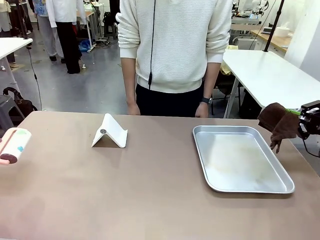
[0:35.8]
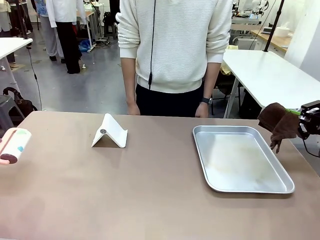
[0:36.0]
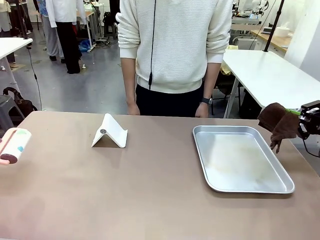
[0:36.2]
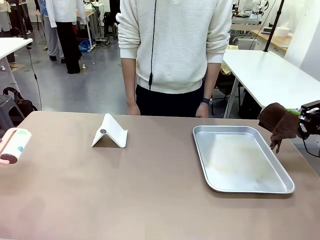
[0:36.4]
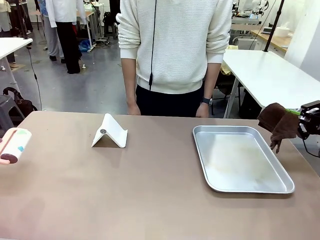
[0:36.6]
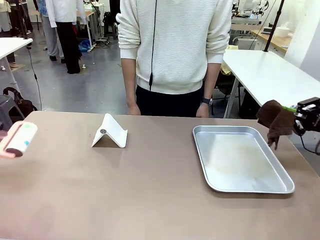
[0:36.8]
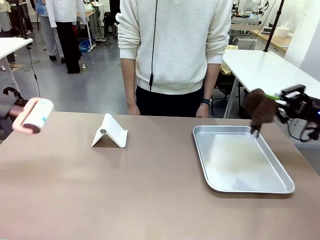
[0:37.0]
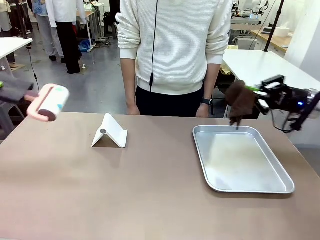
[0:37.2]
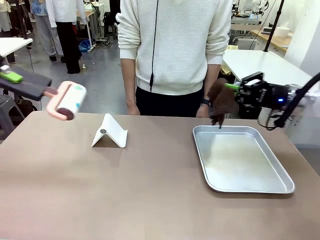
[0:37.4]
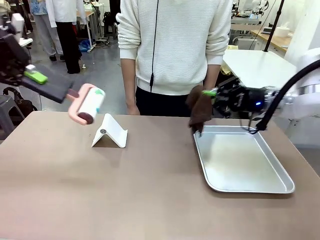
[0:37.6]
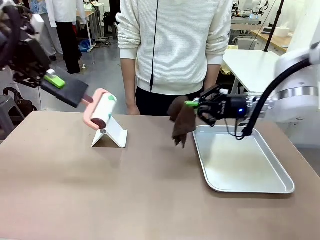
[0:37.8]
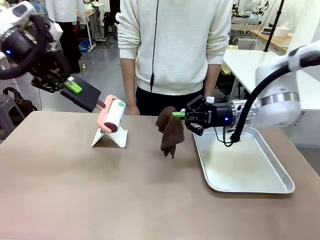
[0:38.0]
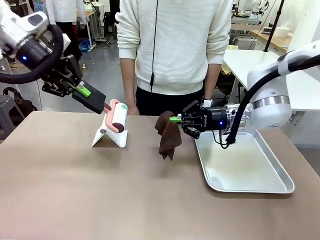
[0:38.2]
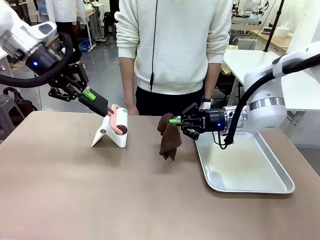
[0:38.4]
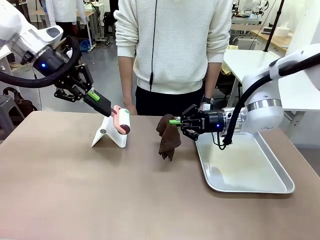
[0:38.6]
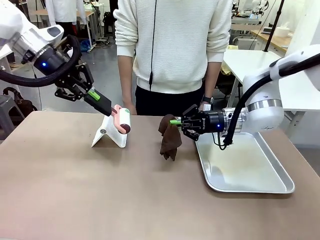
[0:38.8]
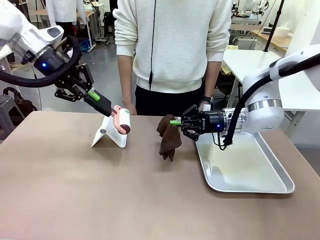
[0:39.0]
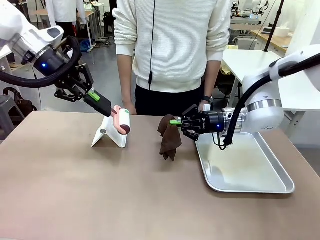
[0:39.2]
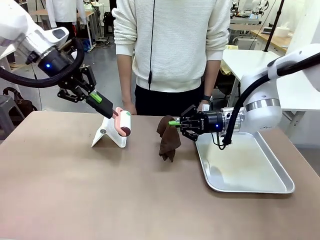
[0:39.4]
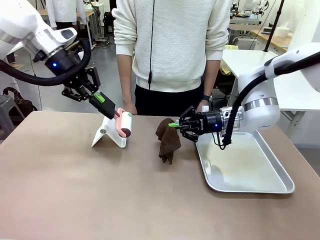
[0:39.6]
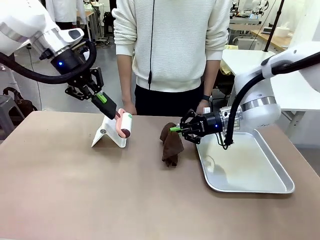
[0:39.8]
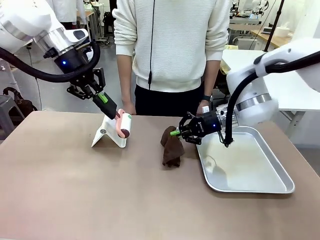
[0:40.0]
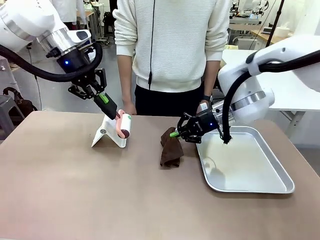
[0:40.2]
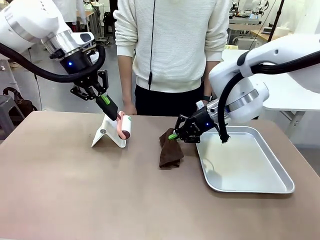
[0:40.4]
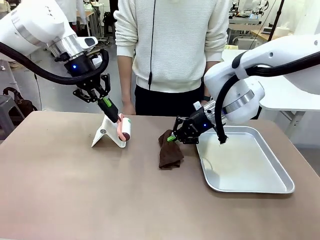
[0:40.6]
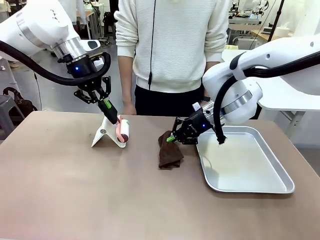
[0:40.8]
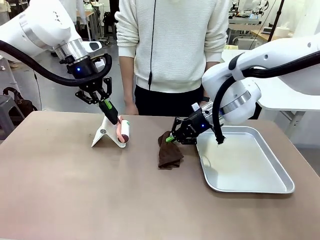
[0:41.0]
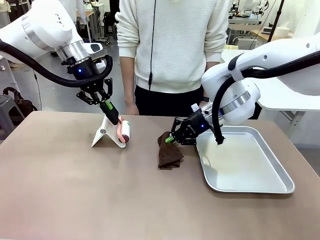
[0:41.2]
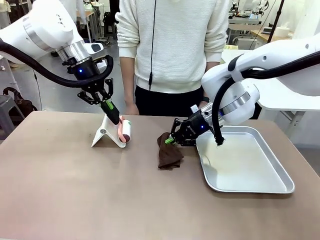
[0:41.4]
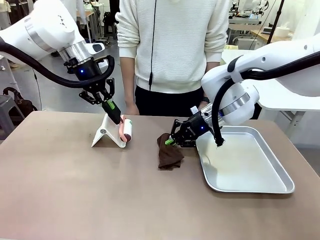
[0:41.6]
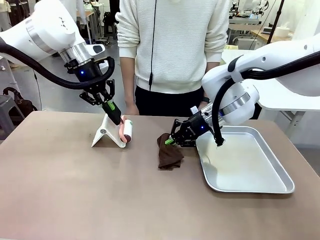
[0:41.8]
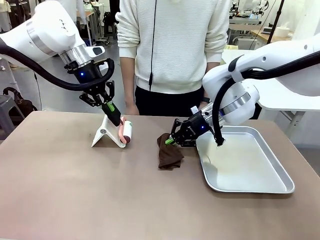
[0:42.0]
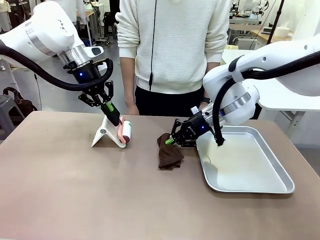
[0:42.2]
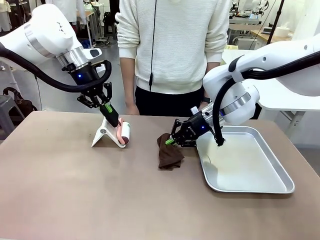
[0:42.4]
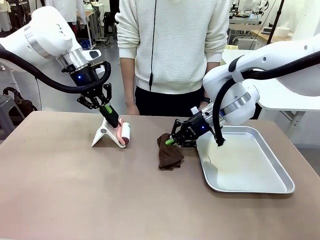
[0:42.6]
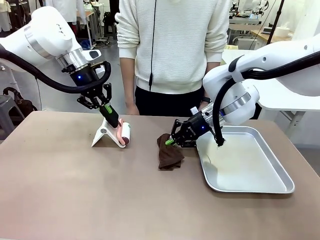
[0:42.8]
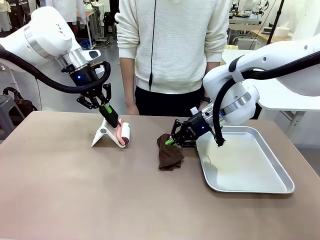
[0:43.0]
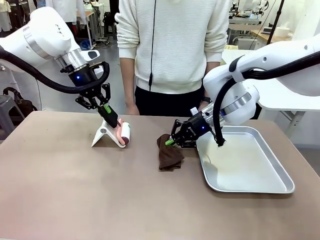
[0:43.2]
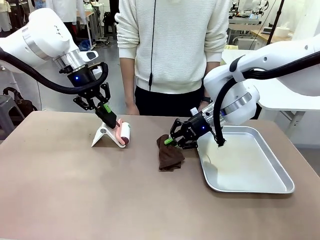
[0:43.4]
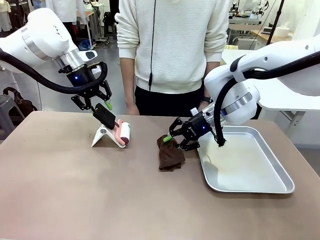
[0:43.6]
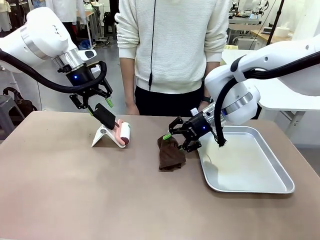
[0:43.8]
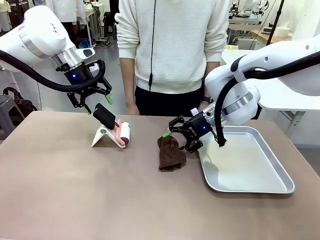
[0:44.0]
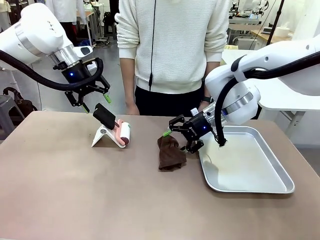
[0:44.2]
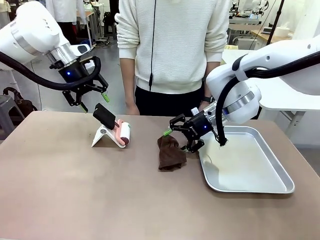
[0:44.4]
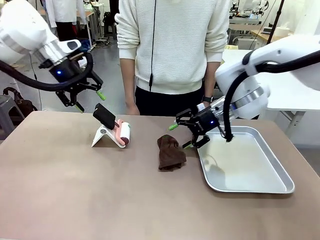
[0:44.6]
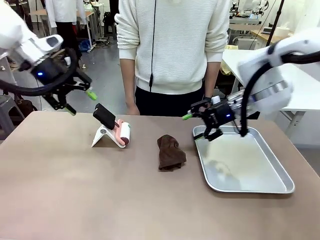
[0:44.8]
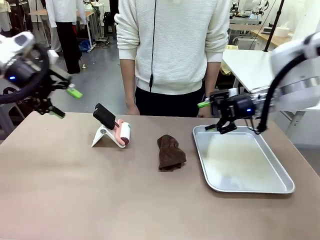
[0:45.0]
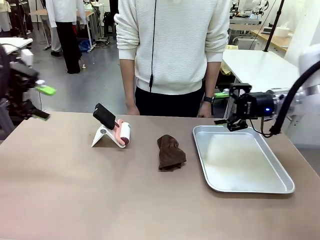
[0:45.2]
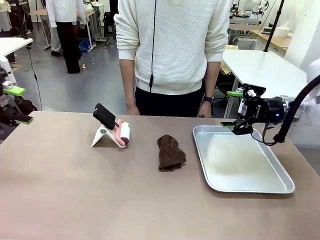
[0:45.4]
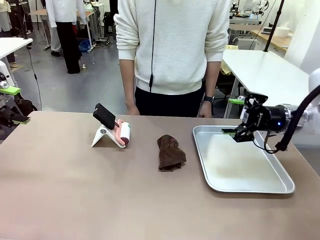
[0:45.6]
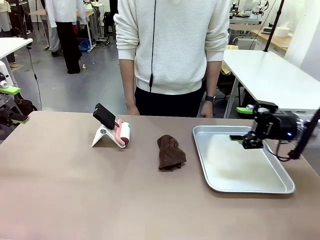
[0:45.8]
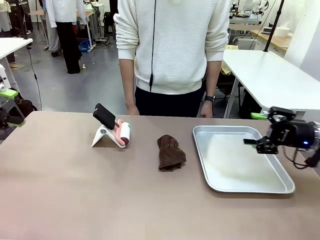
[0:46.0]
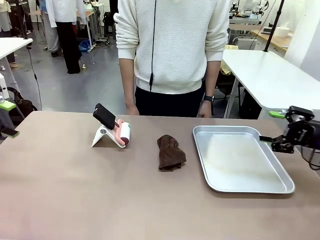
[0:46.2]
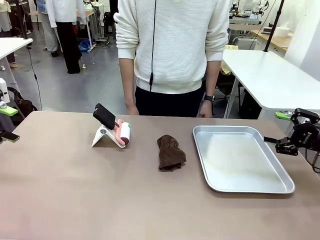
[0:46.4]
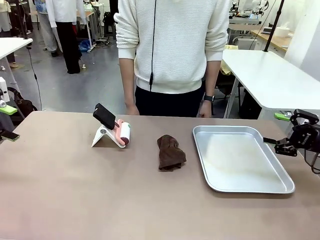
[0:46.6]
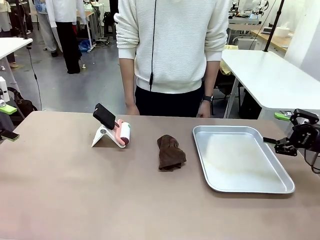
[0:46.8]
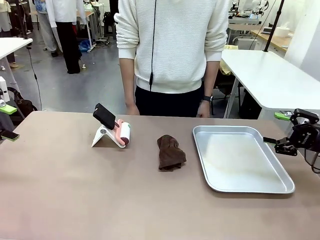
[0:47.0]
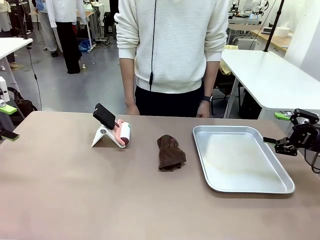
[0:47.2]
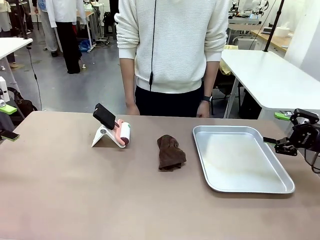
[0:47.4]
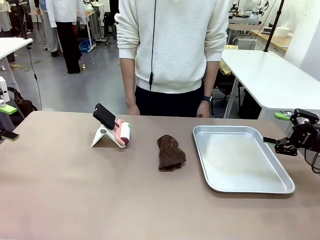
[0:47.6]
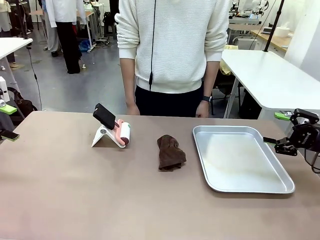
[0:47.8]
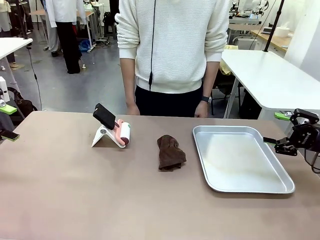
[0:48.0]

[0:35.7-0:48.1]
Task: Clean the surface of the table.
Robot: Return the Lint Roller and towel to their original positions.

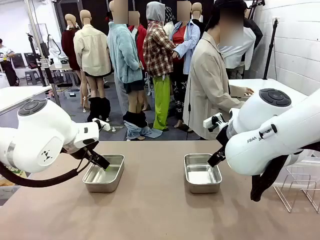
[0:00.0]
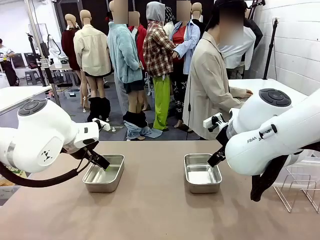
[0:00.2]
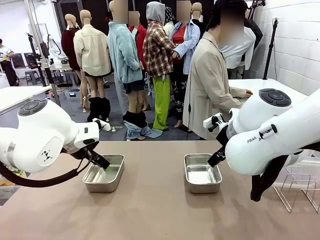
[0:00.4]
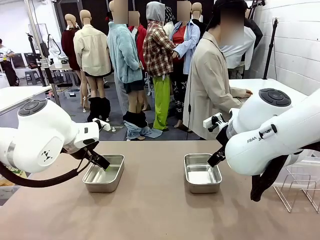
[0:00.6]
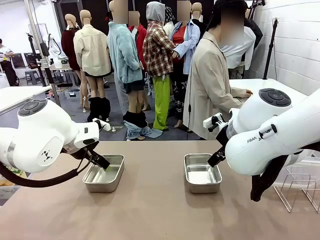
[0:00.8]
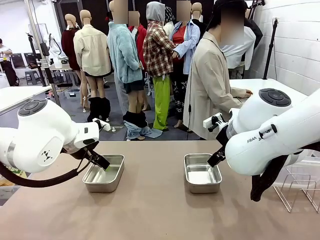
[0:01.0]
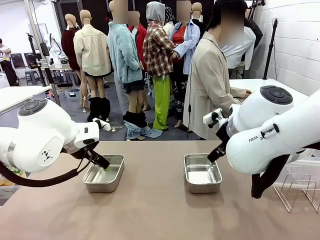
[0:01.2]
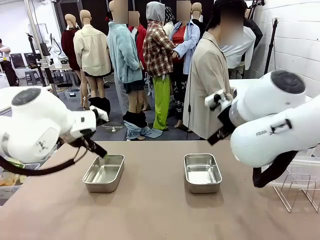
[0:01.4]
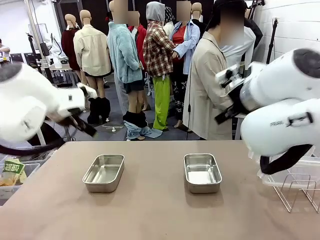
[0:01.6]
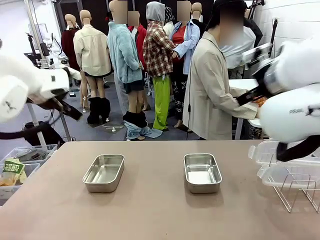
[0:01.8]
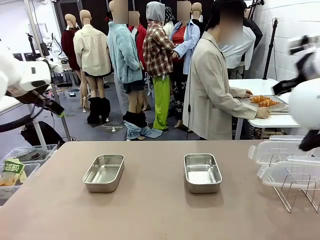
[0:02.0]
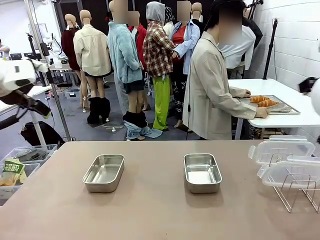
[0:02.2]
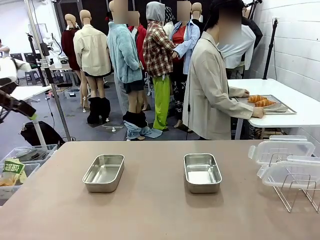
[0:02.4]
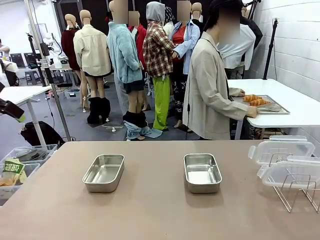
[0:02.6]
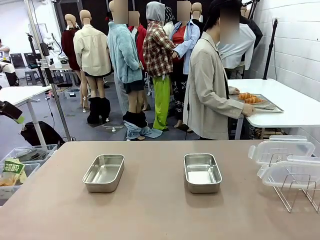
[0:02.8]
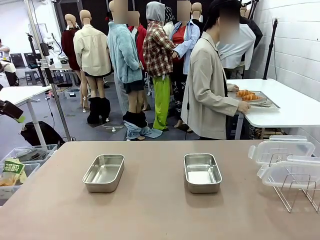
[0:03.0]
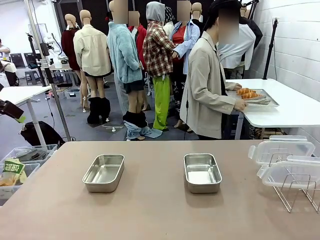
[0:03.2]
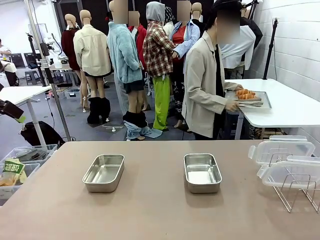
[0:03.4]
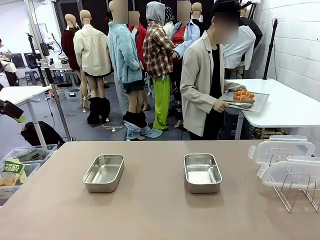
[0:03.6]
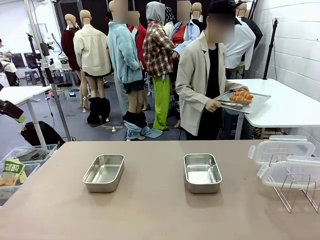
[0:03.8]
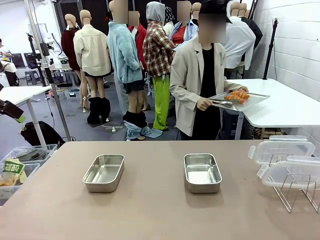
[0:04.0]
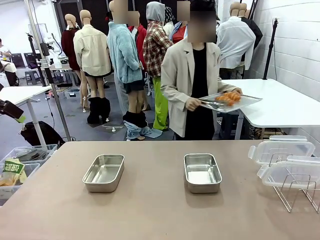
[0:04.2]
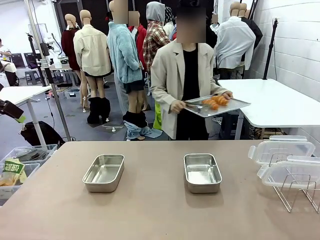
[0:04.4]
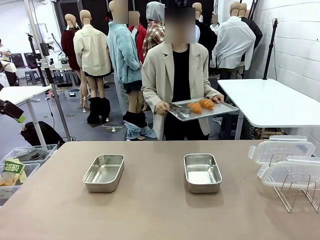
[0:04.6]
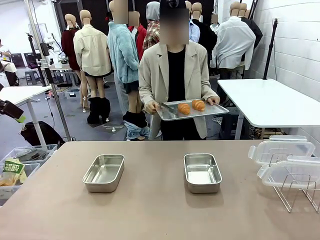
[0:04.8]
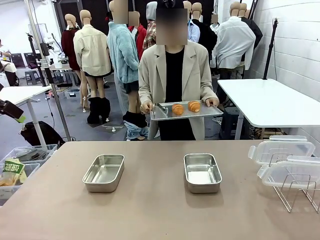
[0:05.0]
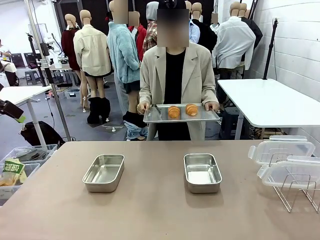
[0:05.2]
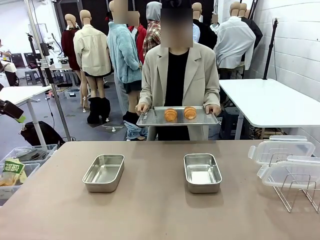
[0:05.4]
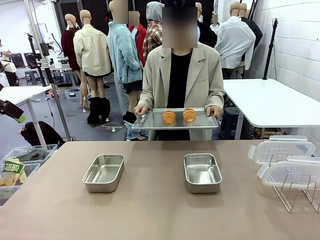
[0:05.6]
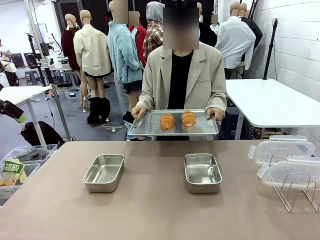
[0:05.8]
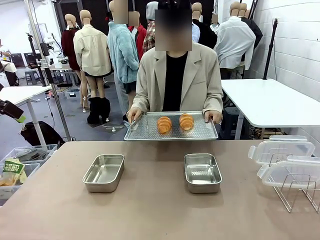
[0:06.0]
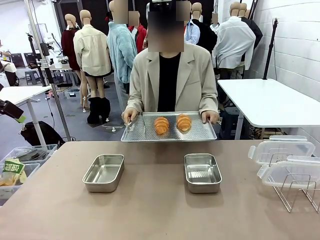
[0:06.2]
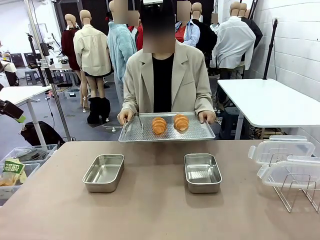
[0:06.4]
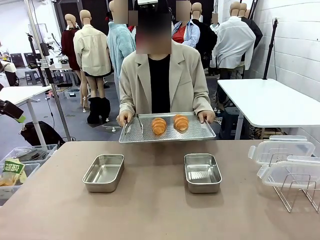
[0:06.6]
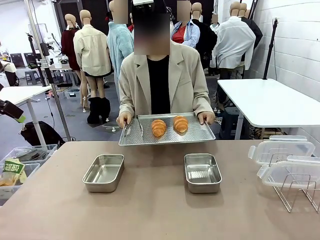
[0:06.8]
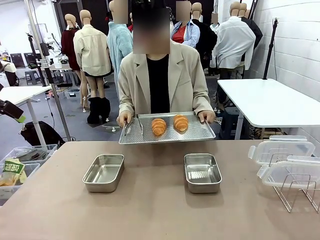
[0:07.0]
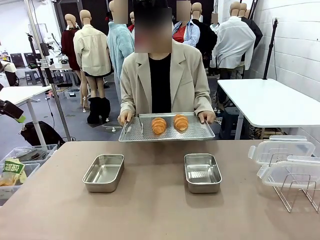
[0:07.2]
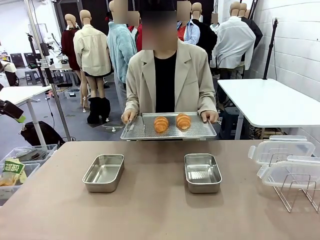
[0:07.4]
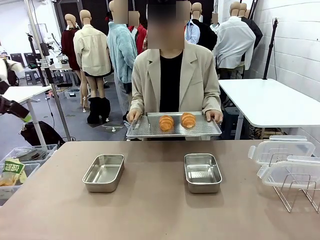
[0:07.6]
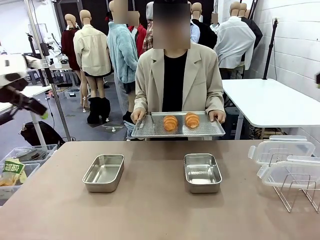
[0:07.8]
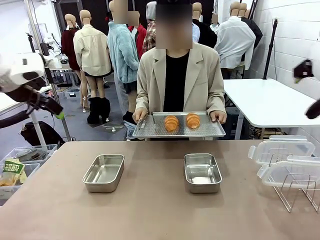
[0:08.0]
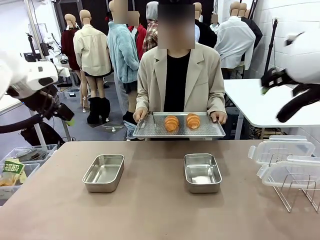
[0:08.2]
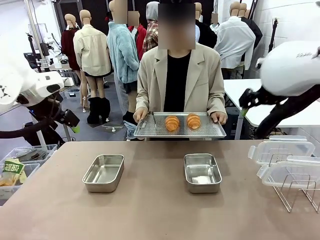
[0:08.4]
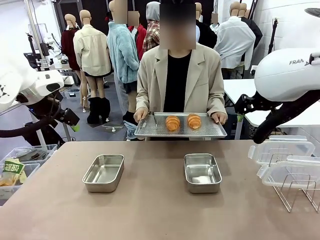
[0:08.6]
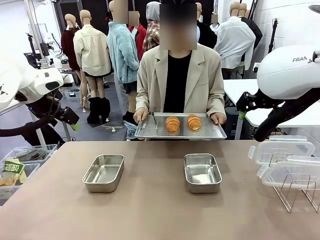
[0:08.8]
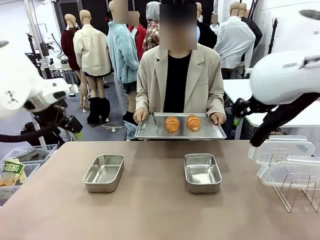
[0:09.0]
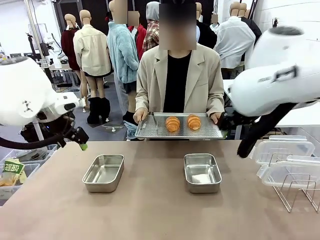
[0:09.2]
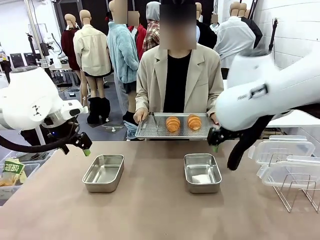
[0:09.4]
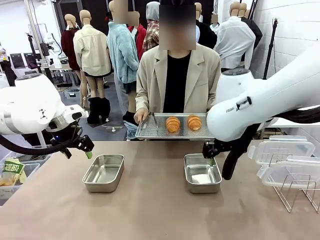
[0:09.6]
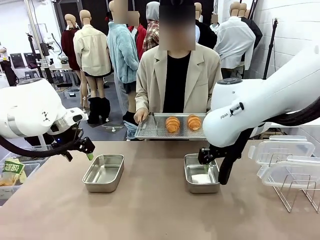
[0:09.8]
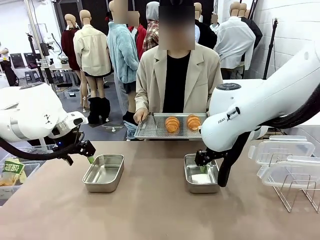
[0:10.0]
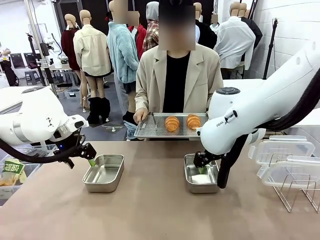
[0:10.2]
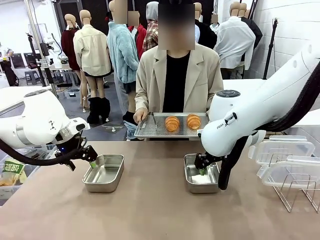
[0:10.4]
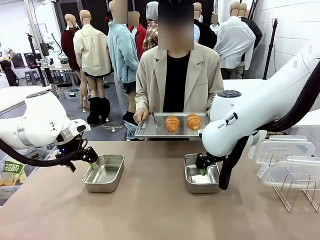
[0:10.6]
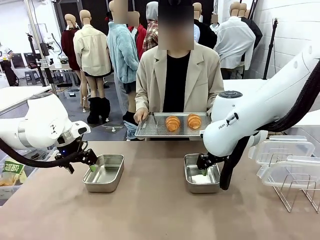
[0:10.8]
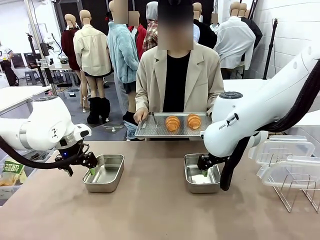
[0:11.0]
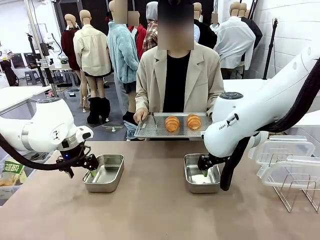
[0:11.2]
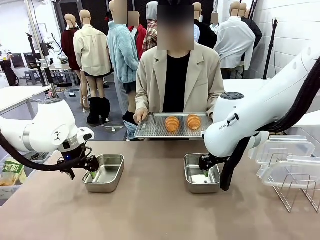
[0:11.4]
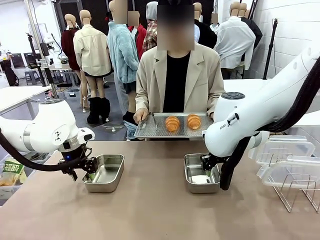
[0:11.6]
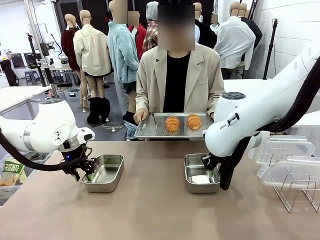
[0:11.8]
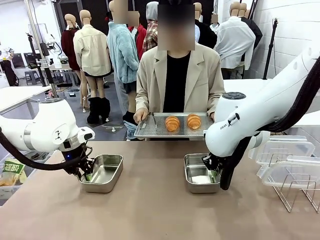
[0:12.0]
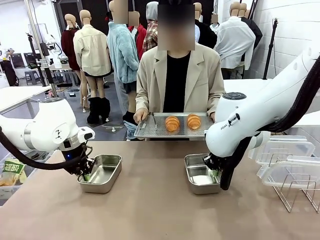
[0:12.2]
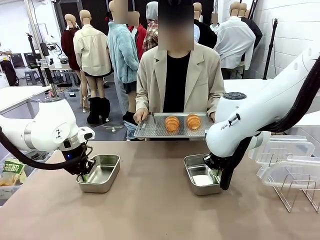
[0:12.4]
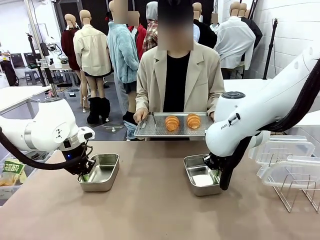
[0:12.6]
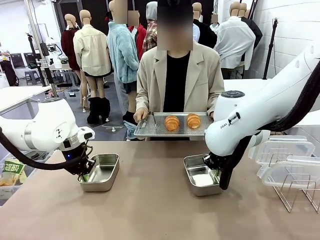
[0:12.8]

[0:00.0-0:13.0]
Task: Place the bread in airtight containers.
Robot: Lift both Airtight Container.
Person: Bring the Baking Sheet in front of Robot's Table.
